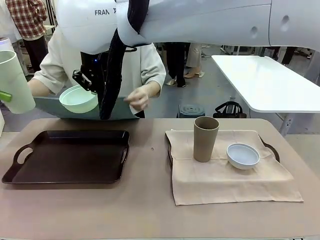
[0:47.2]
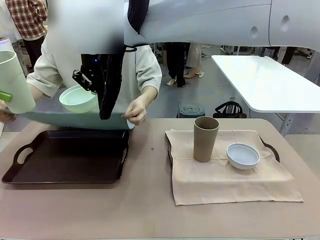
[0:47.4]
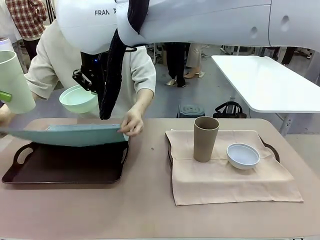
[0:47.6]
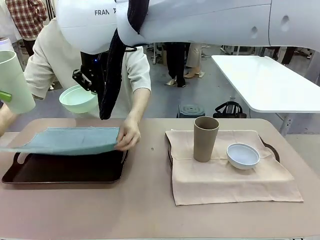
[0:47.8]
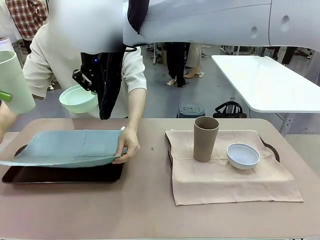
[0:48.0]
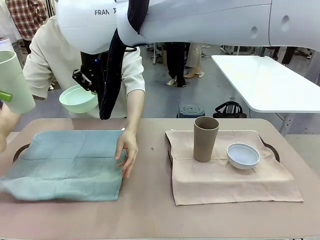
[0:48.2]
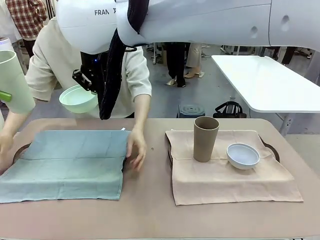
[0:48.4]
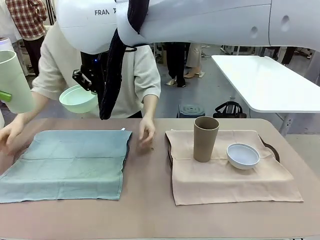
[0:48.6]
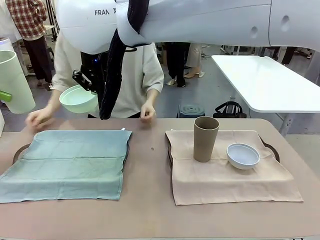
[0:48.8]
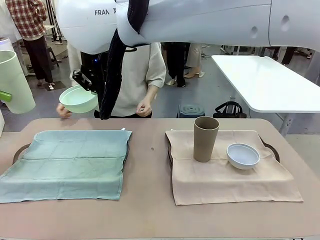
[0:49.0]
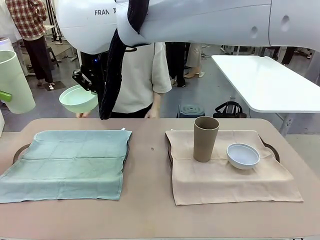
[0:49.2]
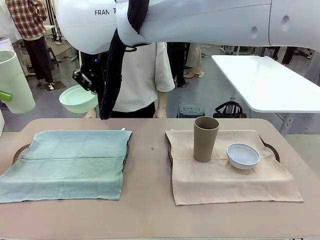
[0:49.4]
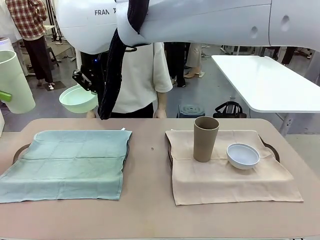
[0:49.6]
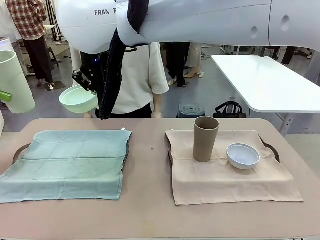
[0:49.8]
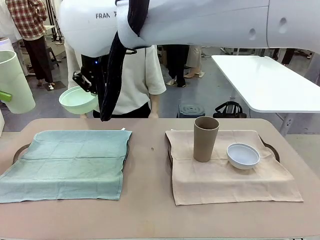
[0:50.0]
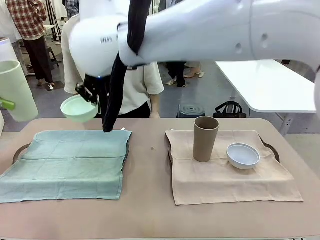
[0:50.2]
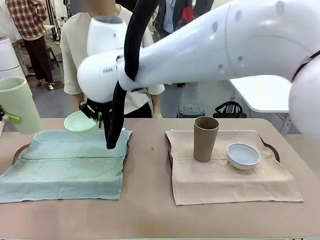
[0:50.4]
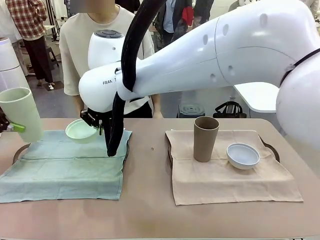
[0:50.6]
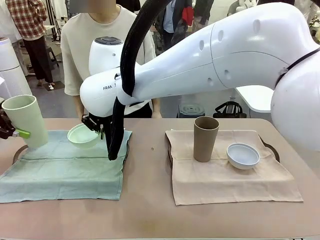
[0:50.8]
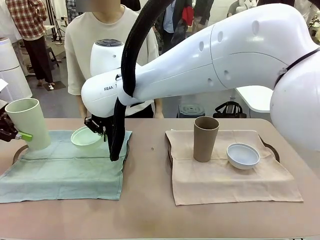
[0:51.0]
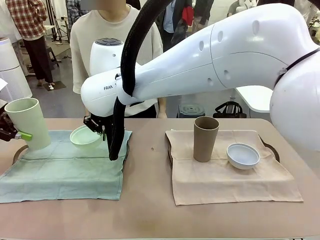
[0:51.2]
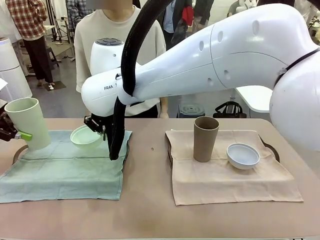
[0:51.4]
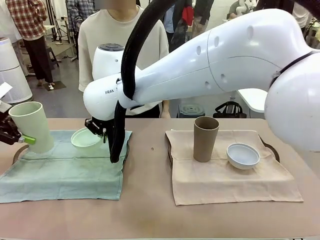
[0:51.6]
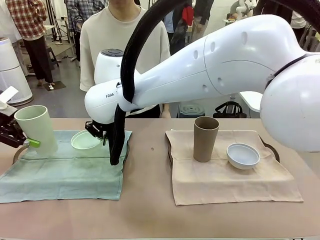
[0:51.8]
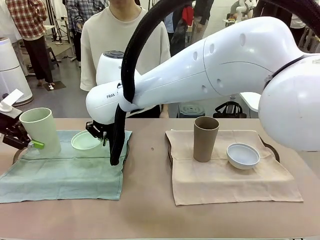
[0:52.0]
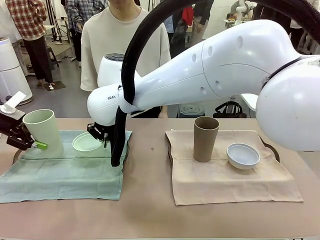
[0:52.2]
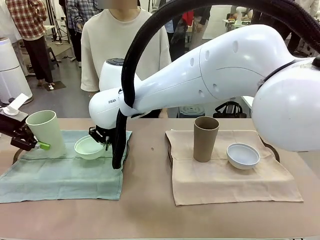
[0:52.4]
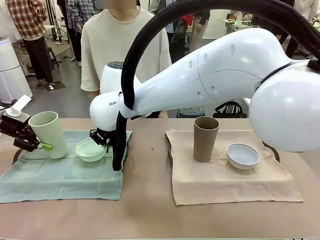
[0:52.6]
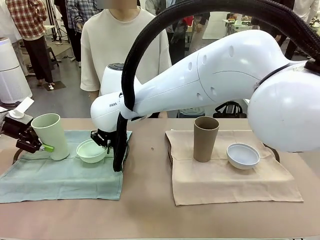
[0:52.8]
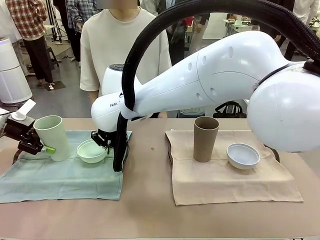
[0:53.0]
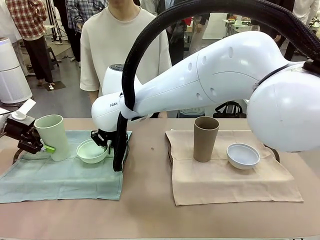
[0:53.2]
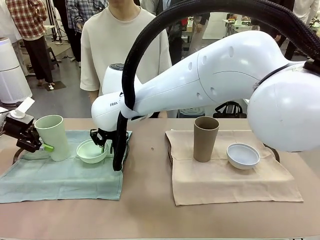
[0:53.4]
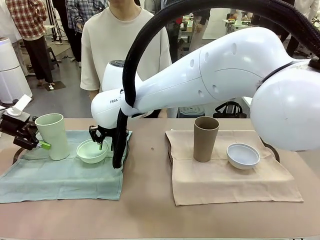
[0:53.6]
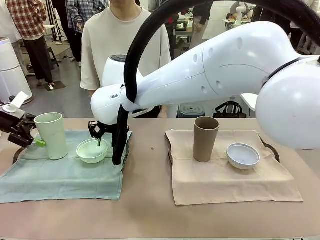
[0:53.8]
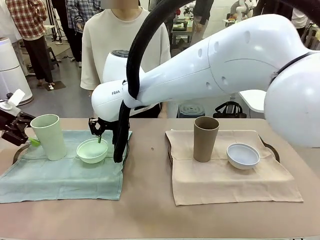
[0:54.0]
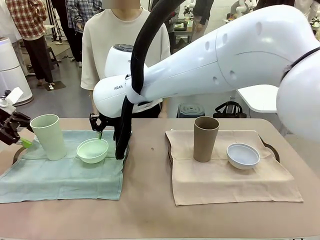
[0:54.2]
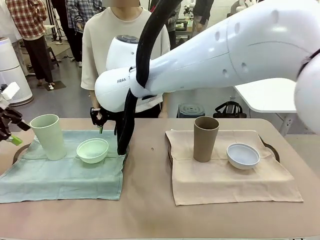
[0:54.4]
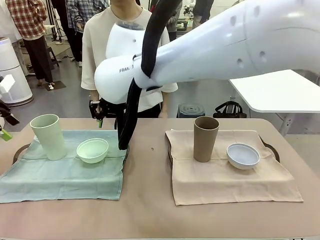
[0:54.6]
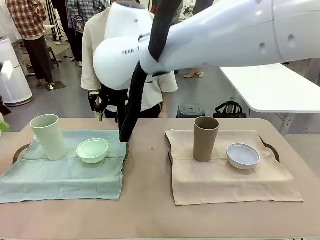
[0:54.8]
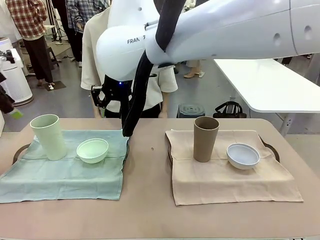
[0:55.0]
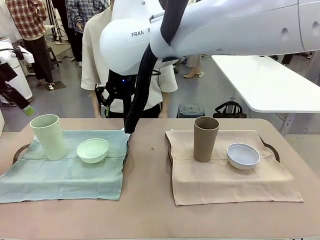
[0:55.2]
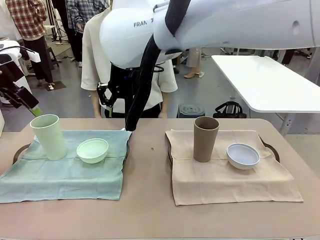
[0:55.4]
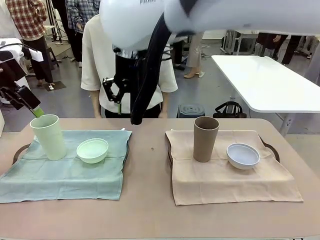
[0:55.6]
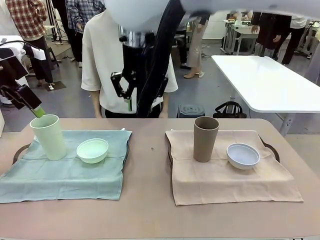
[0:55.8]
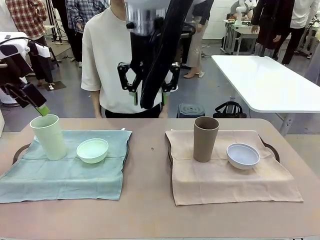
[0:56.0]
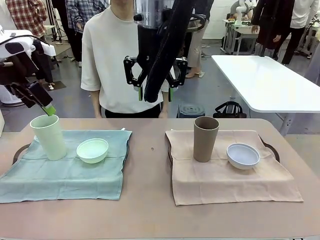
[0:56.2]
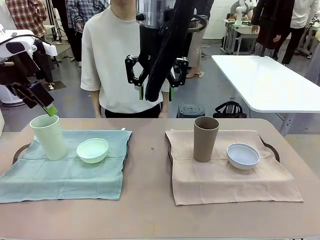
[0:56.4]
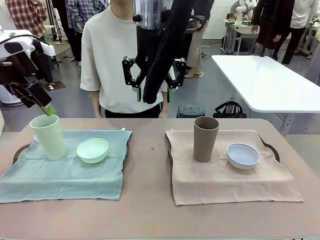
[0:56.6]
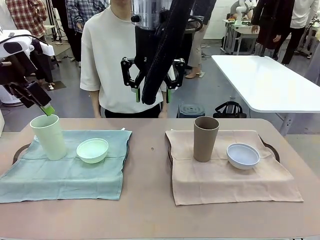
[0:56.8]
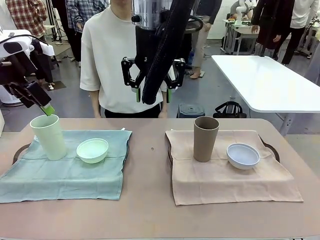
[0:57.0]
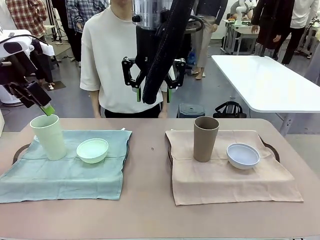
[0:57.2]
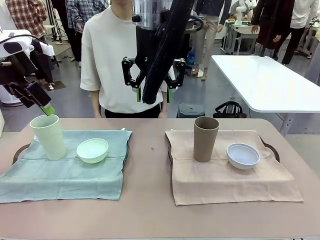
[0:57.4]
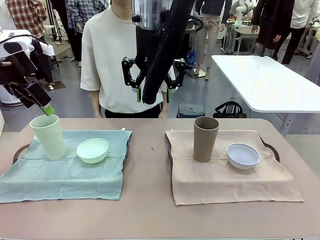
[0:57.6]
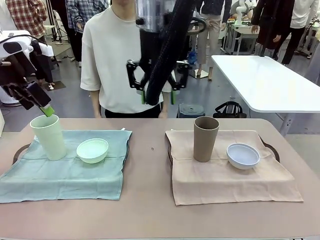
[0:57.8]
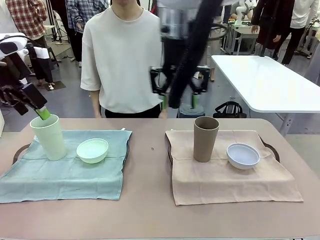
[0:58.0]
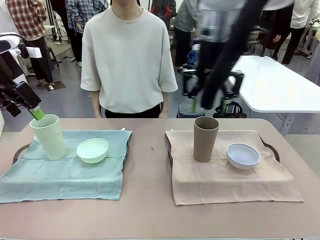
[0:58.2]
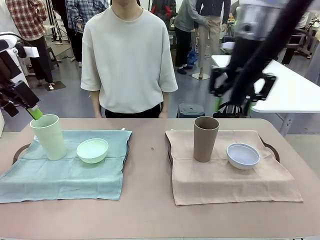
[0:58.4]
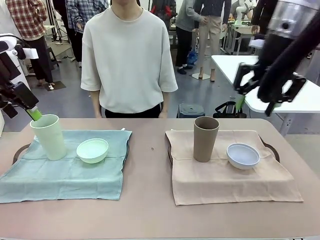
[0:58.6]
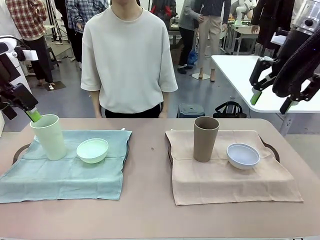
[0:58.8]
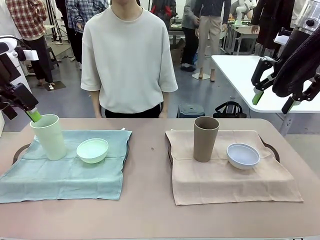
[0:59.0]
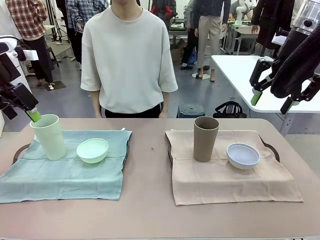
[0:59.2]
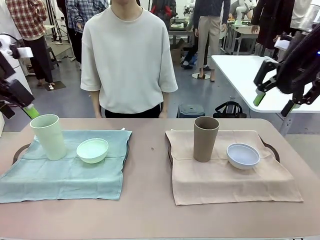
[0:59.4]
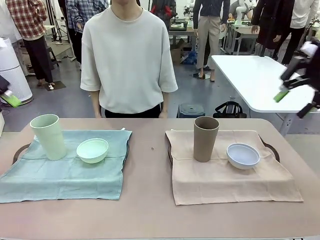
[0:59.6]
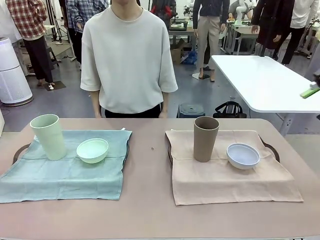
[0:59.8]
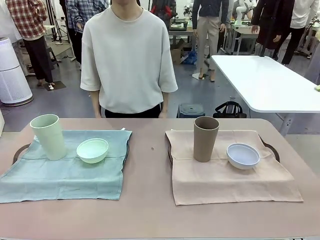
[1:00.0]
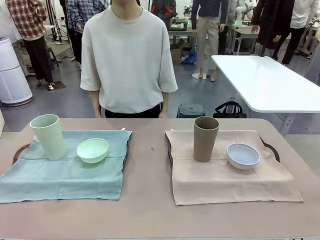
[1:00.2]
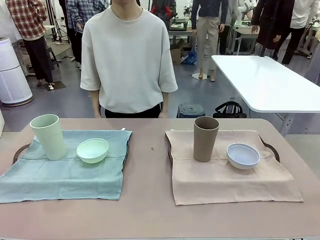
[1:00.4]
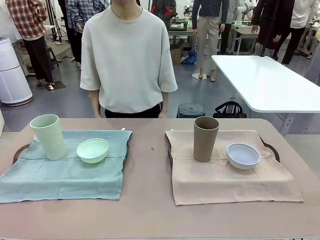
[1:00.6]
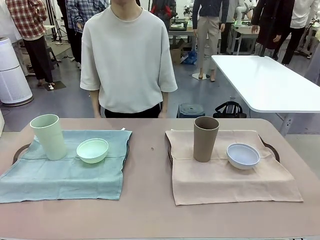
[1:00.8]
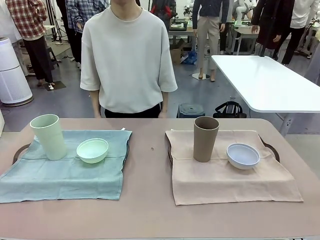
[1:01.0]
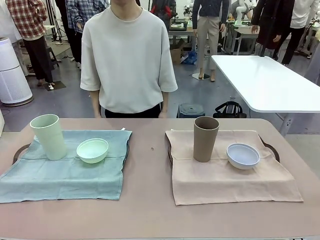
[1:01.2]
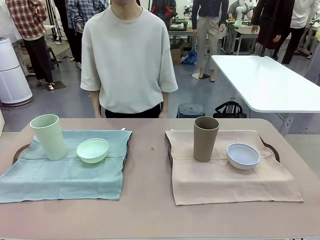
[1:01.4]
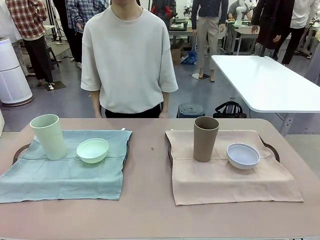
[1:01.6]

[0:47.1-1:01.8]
Robot: Place the Picnic Bowl and Reusable plastic cup back onto the Handle tray in front of the human's position.
Person: When the robot lifts the bowl and the cup, the human unfolds the napkin and lays the napkin flat on the tray.

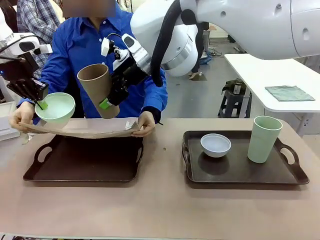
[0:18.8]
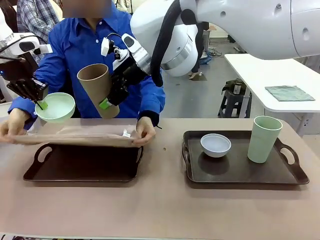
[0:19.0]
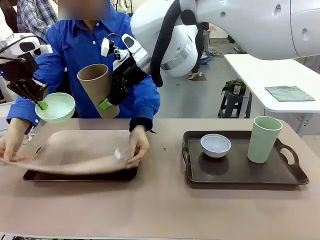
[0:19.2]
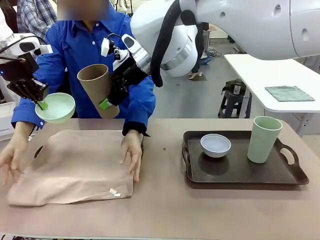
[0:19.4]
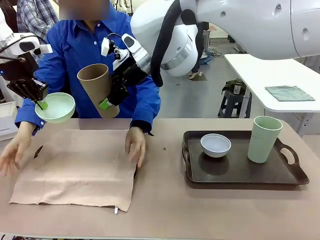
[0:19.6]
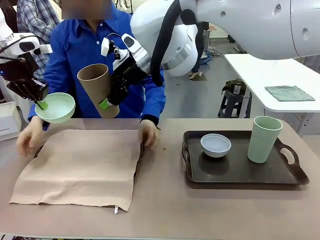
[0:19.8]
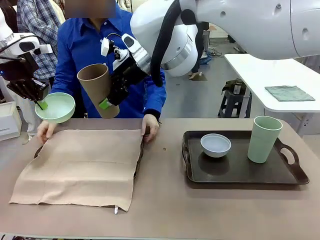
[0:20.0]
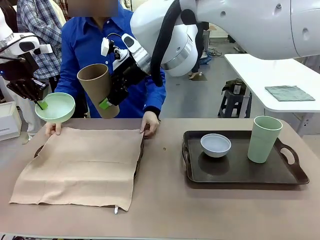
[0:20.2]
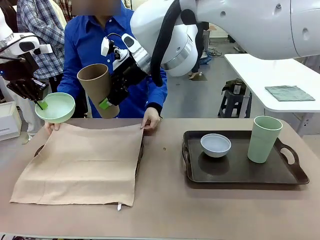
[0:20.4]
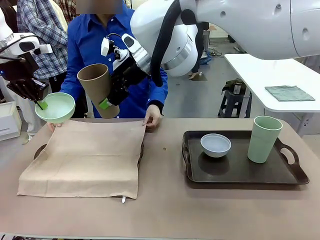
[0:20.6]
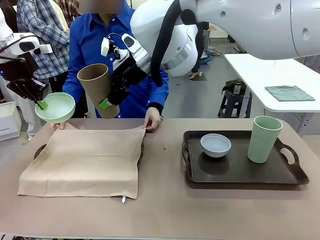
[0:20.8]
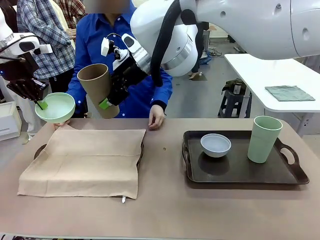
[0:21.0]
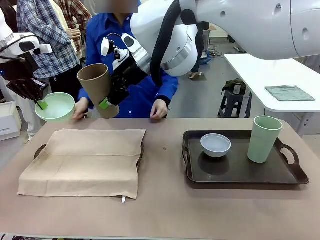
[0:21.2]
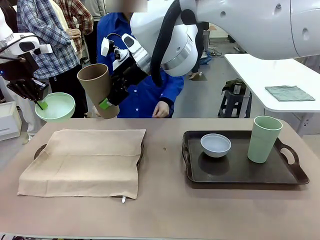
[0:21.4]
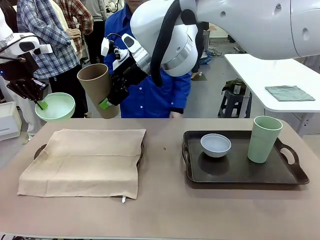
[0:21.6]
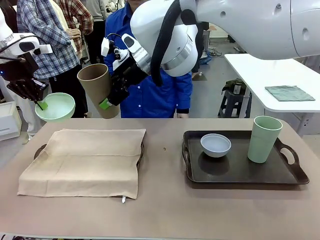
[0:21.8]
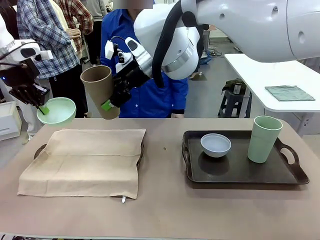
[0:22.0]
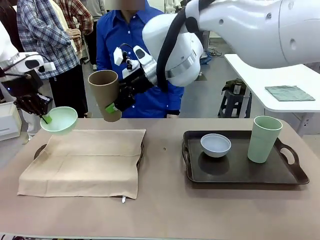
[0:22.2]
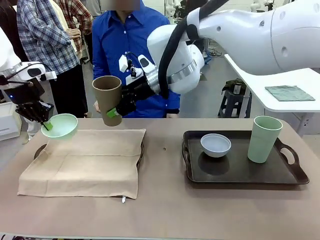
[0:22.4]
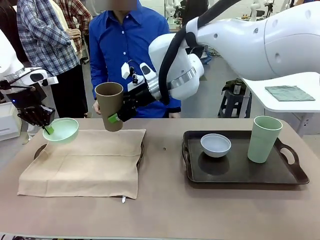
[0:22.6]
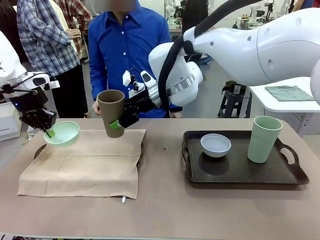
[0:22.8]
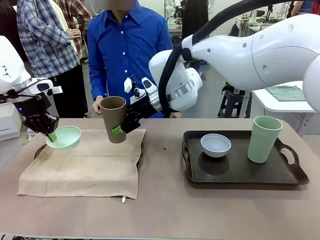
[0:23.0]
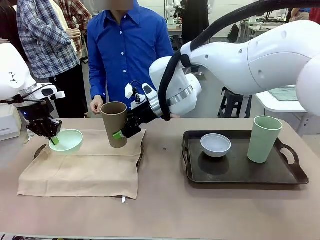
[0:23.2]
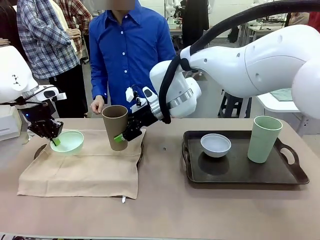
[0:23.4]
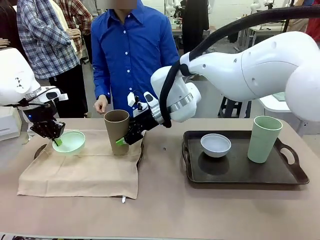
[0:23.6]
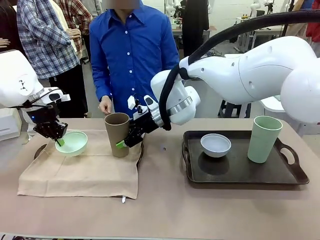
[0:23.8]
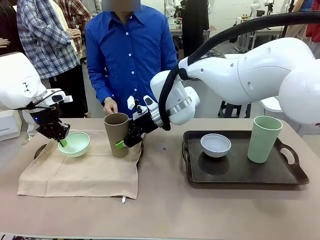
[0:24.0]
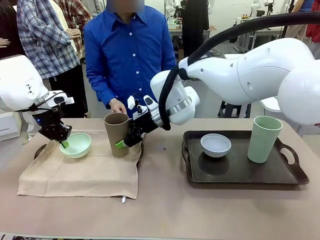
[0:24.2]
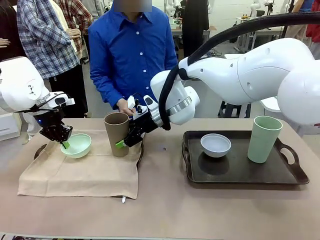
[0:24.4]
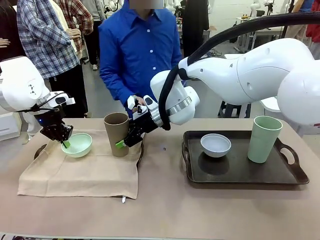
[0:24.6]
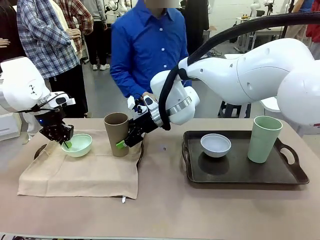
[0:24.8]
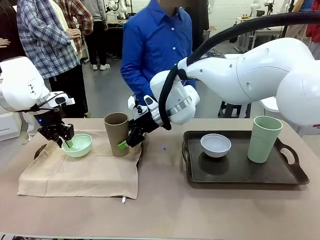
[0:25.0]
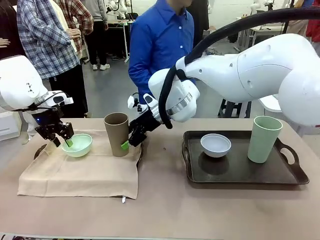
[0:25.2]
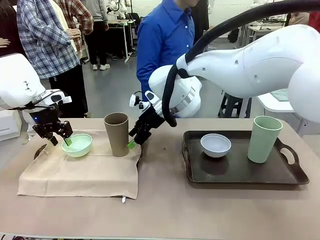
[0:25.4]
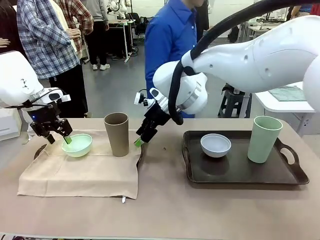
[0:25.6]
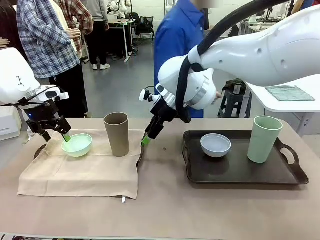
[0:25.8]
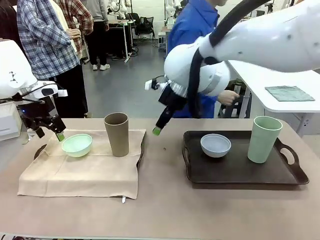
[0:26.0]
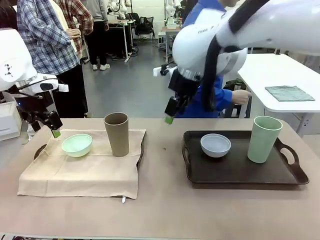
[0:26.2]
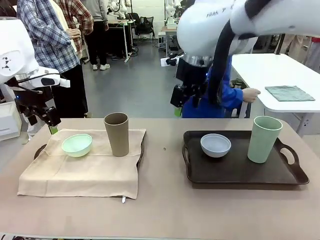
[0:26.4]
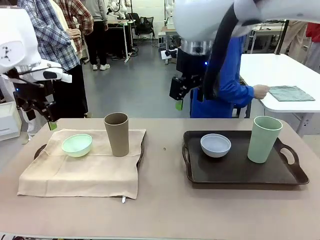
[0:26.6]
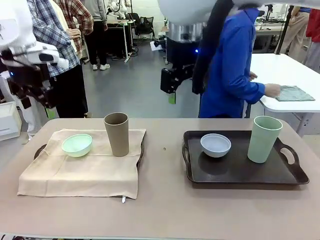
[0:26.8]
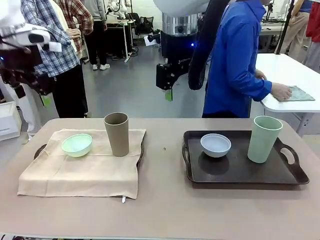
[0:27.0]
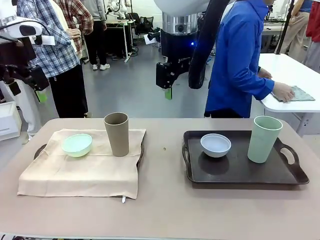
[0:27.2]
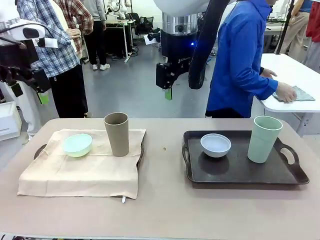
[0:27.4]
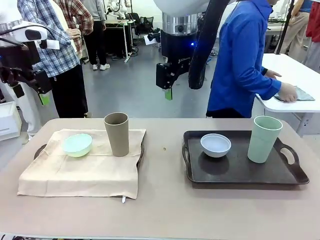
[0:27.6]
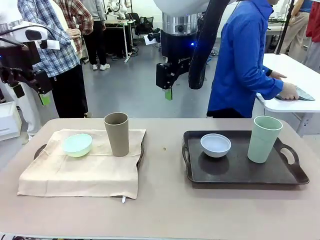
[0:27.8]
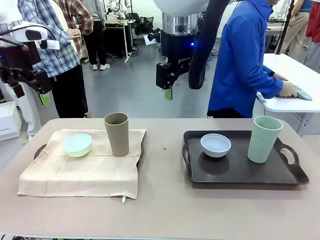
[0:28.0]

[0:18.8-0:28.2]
Robot: Place the Picnic Bowl and Reusable plastic cup back onto the Handle tray in front of the human's position.
Person: The human returns to the human table to pick up another napkin and walks to the robot table to stand in front of the tray without a napkin.
